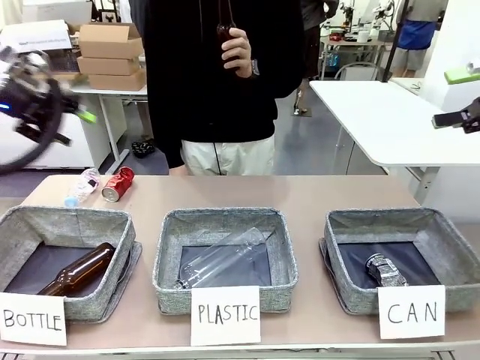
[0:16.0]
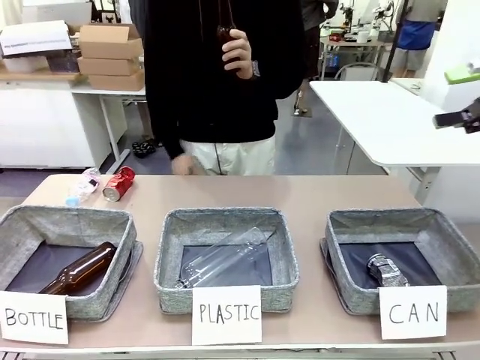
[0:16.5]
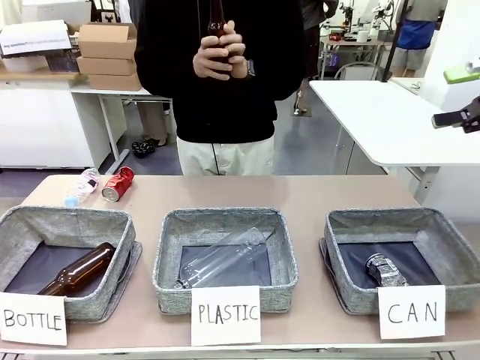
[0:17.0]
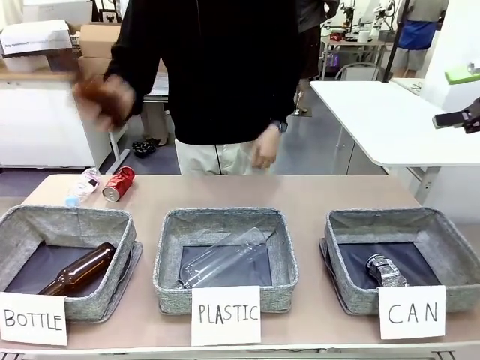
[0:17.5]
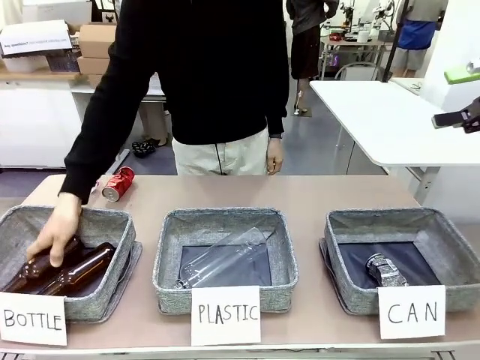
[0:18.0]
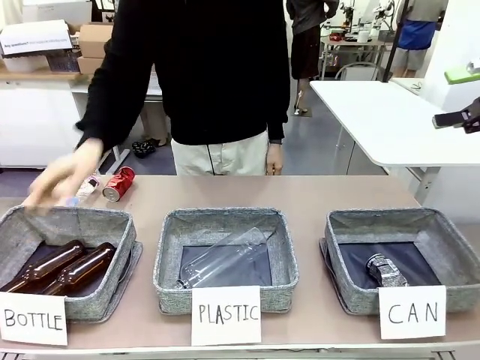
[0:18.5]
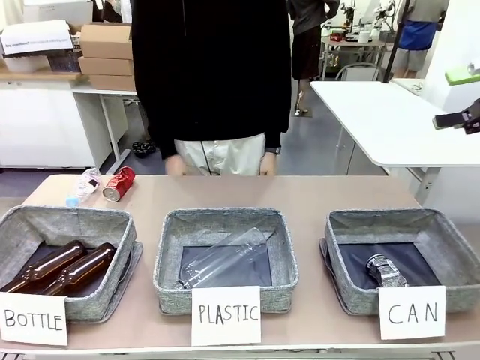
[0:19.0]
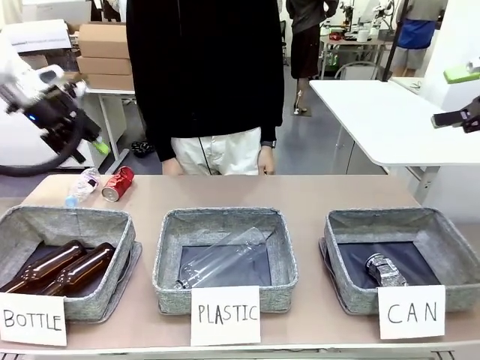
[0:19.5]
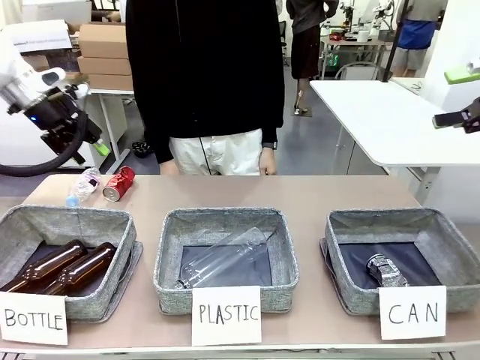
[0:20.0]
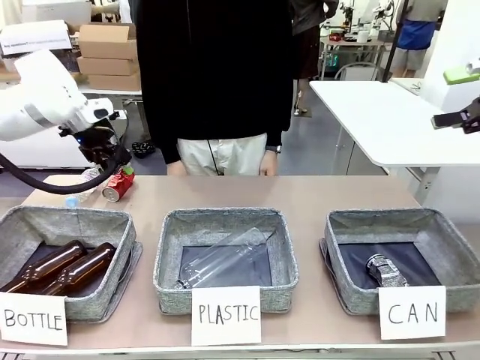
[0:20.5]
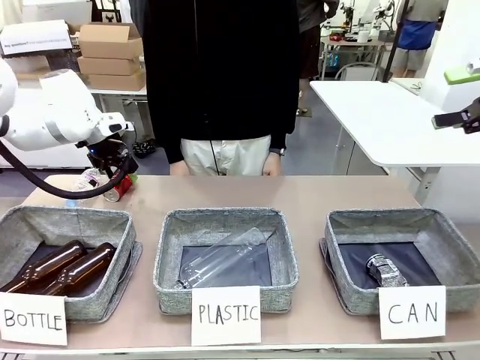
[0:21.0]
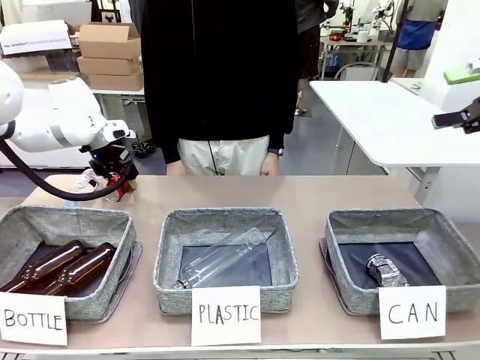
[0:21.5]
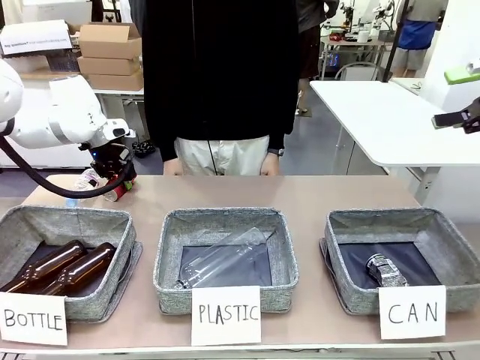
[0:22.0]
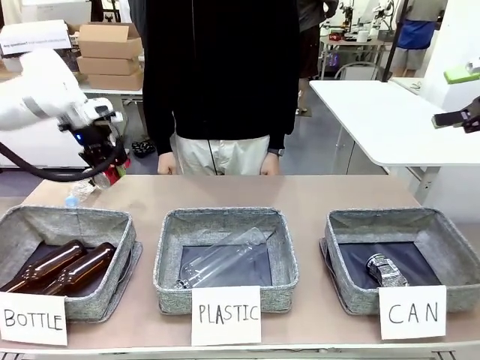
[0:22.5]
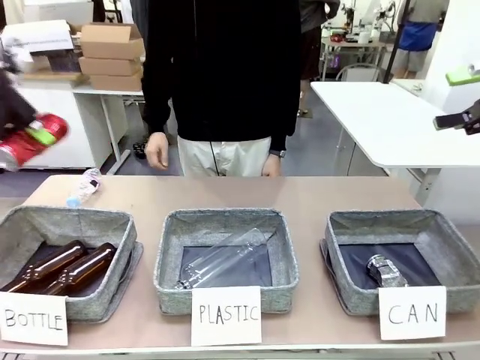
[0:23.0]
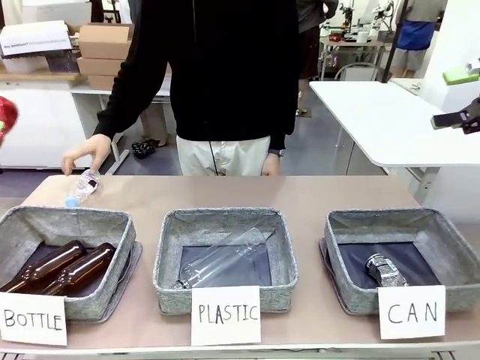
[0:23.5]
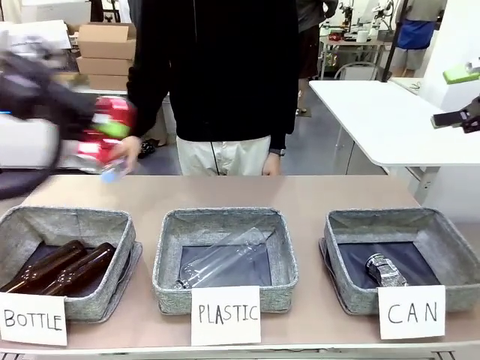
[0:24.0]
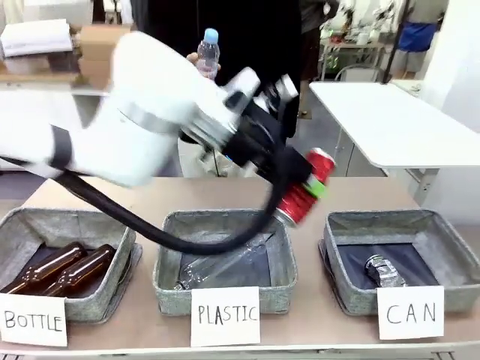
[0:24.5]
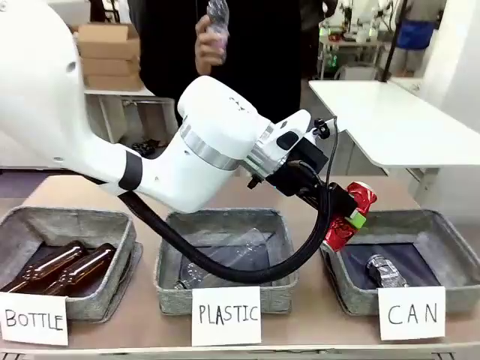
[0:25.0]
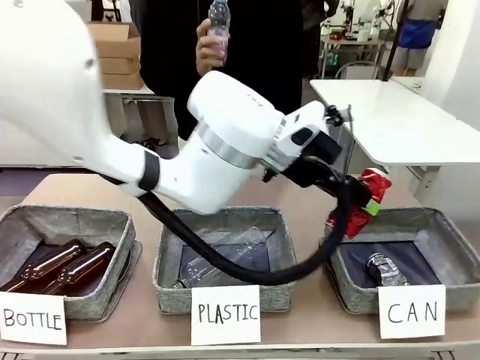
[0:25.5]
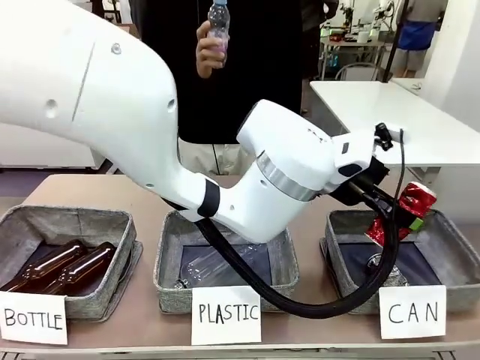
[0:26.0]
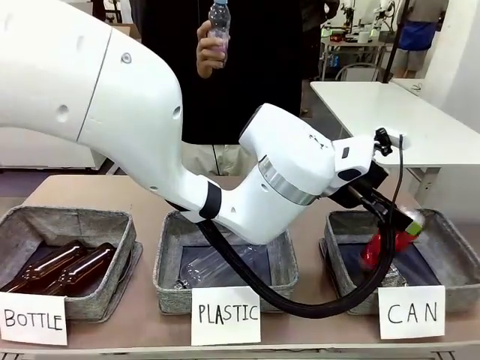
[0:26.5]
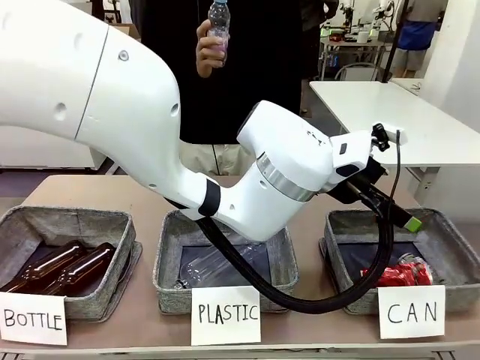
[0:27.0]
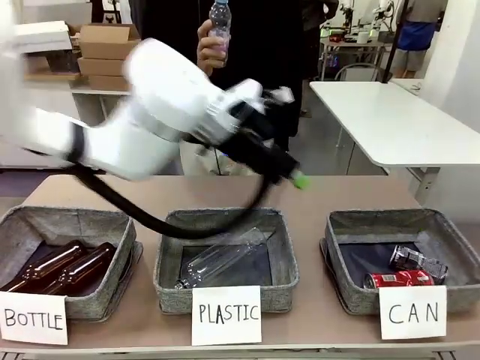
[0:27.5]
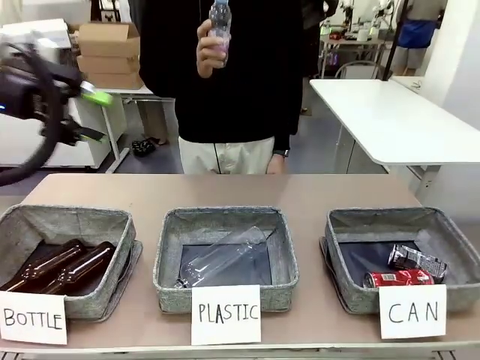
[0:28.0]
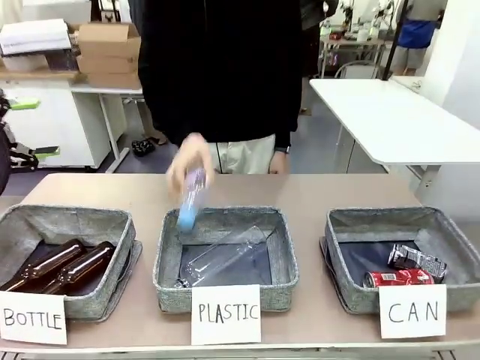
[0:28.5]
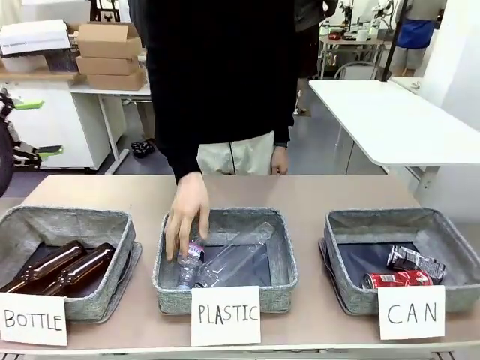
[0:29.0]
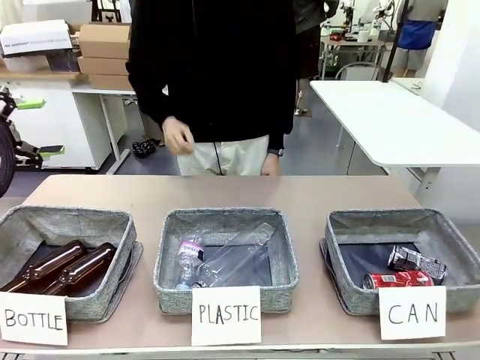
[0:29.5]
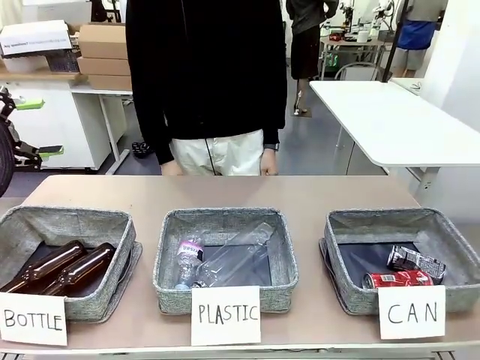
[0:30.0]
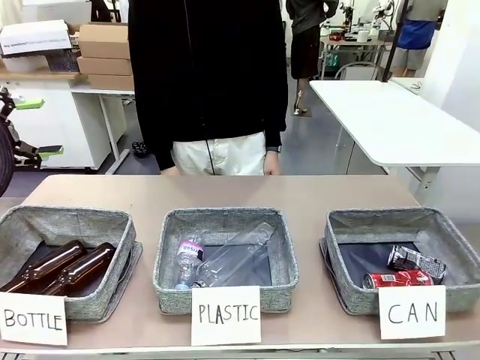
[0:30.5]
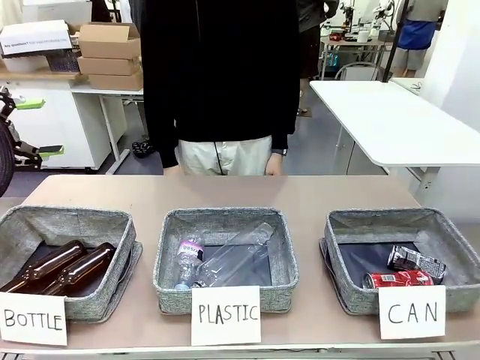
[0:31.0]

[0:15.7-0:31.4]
Task: Sort the can waste into the basket.
Robot: Pick up the can waste from the table and place it in the right Fabric basket.

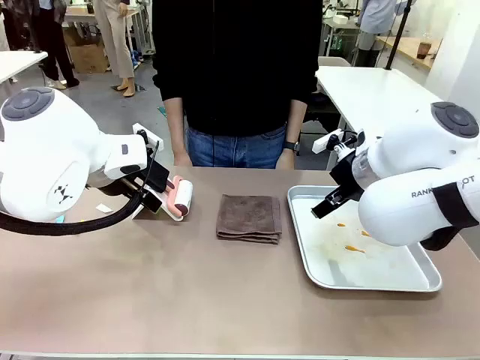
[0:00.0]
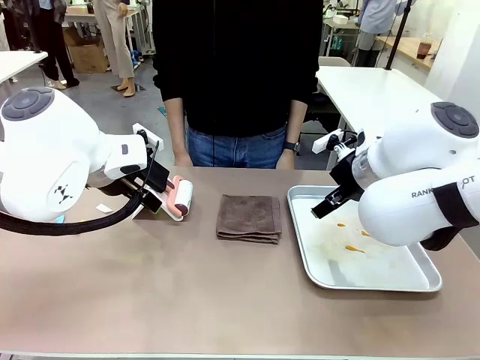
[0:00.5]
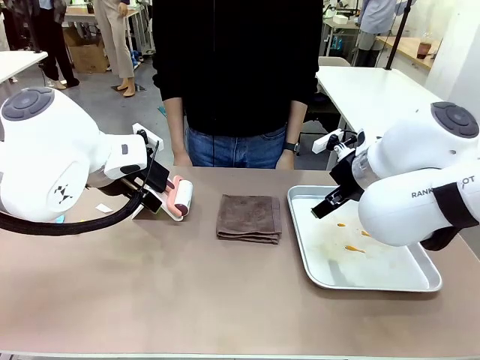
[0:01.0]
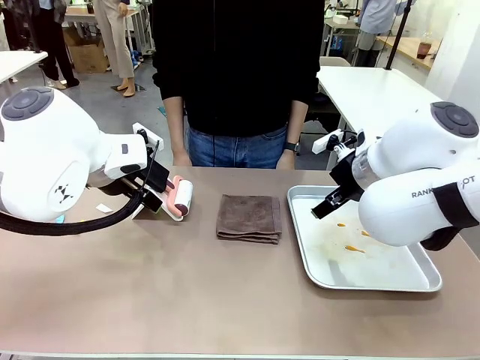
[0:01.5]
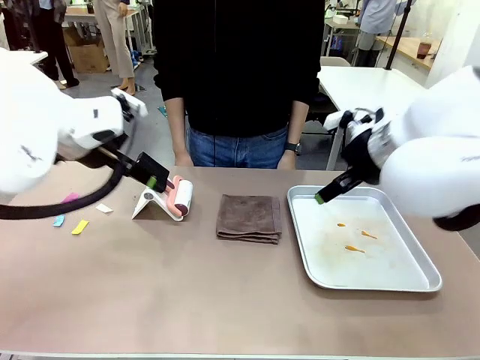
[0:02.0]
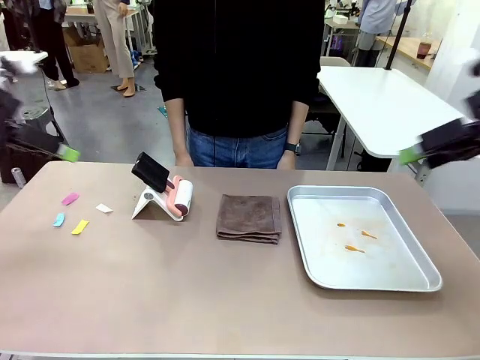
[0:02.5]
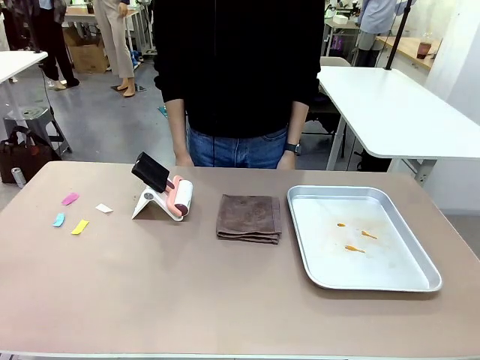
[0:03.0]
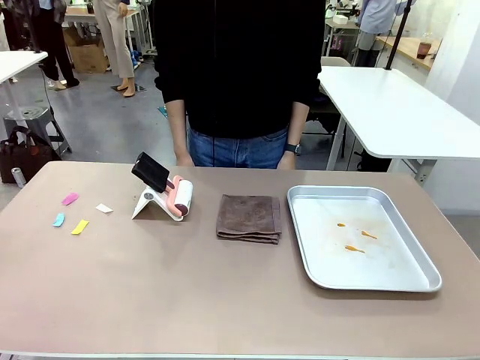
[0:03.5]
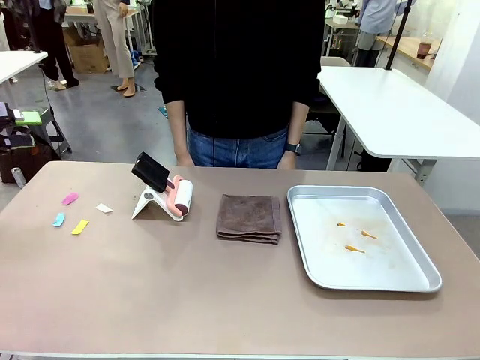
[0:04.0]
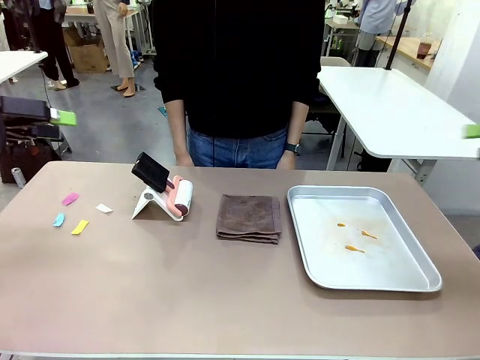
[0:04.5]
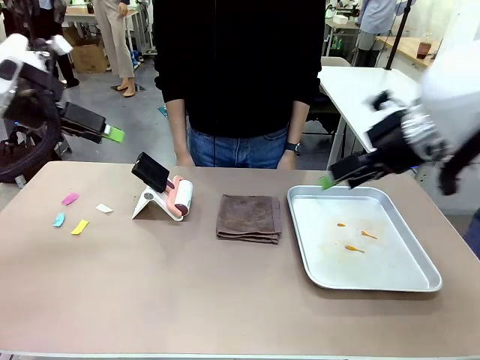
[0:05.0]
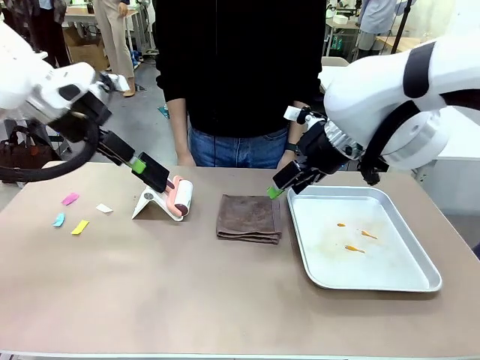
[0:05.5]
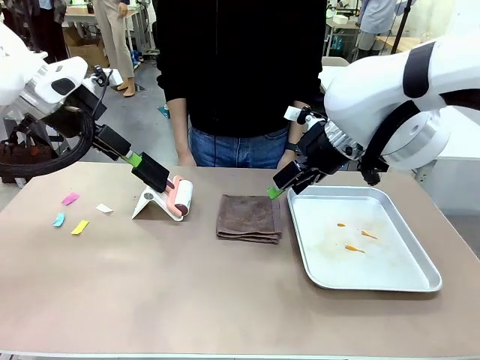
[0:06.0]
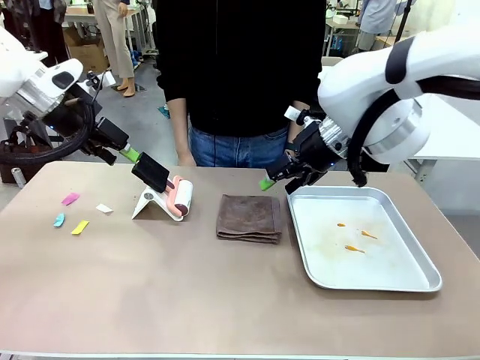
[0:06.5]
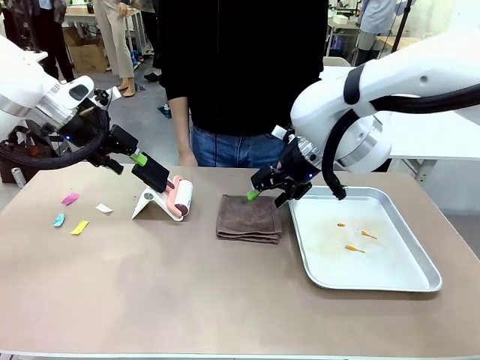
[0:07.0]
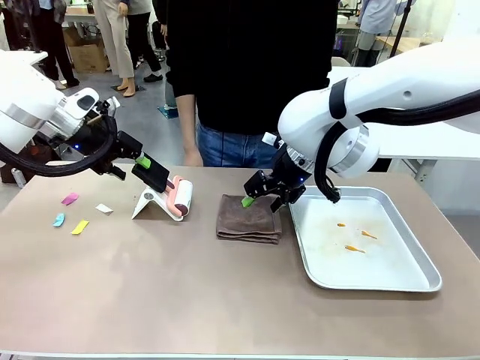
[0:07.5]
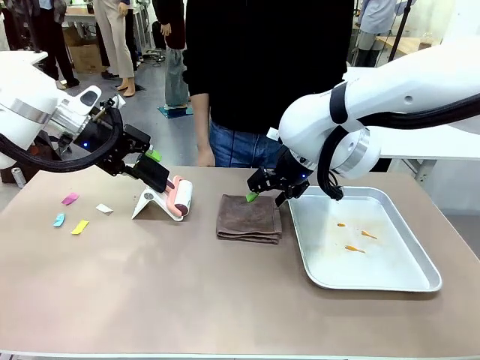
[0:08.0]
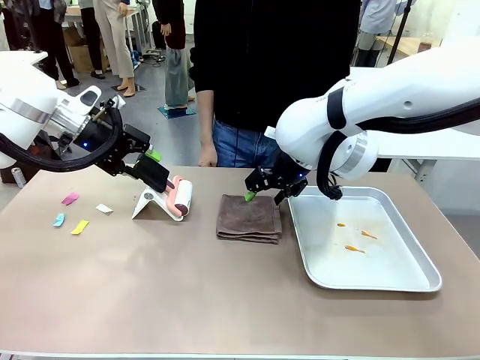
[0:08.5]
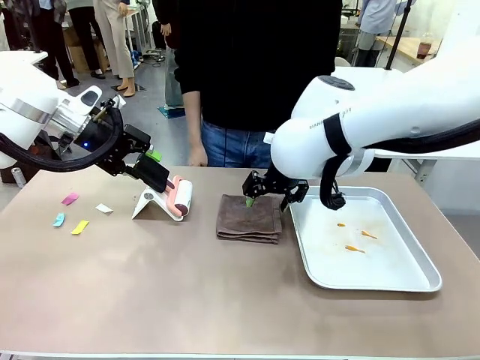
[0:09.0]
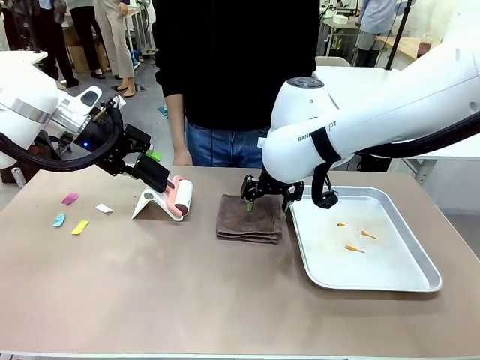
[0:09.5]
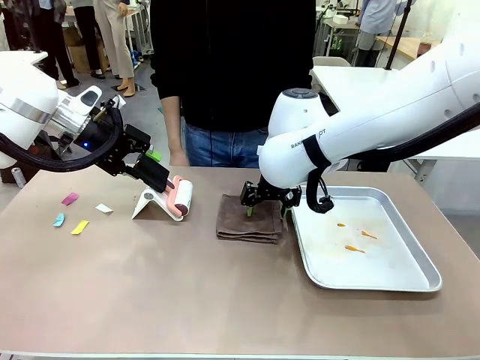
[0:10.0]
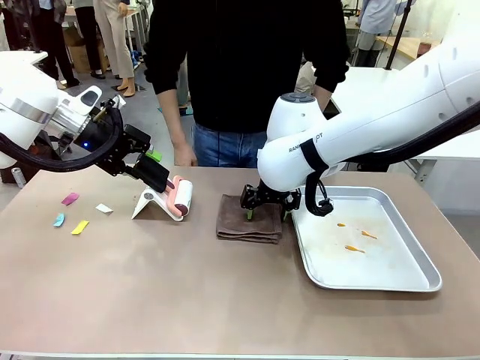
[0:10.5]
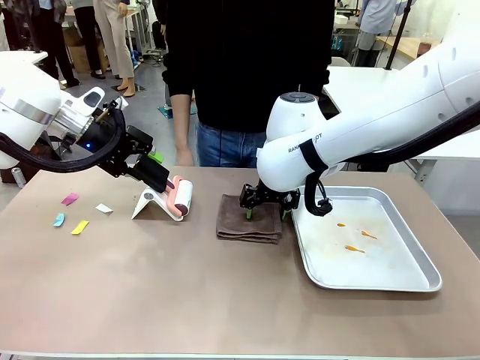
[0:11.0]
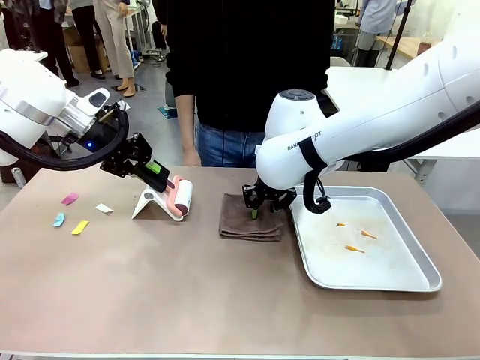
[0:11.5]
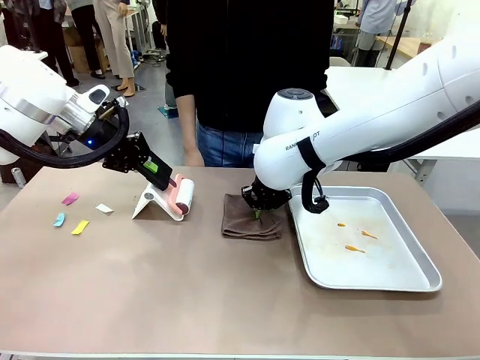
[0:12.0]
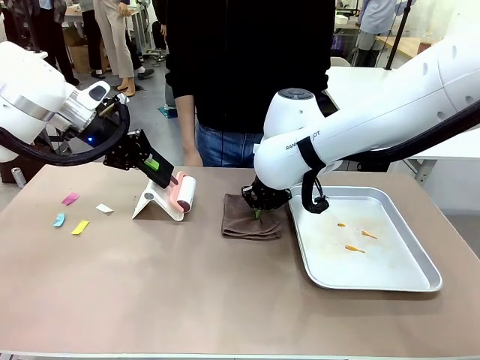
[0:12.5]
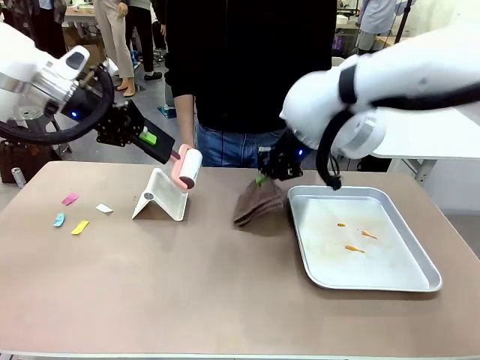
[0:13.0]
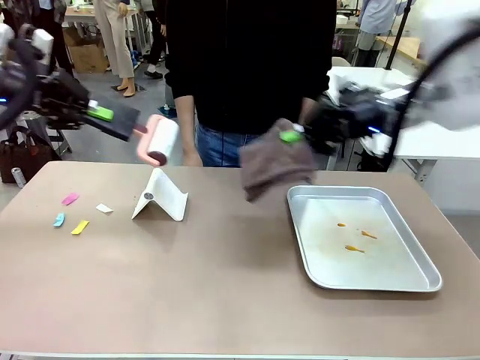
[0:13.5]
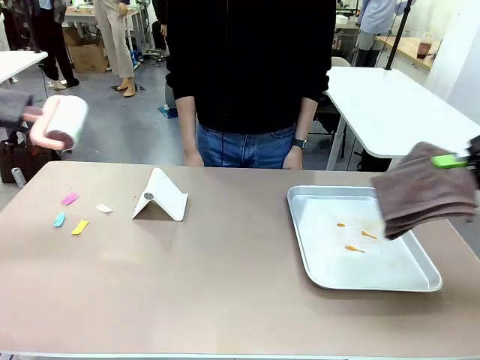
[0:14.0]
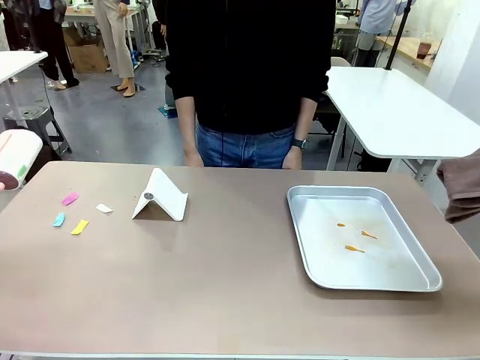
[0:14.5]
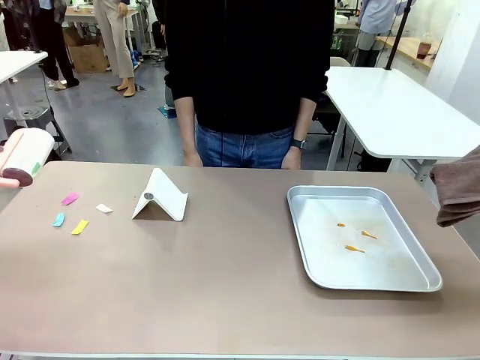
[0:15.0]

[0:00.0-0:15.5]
Task: Clean the surface of the table.
Robot: Hold the Lint Roller with your left hand and the towel with your right hand.
